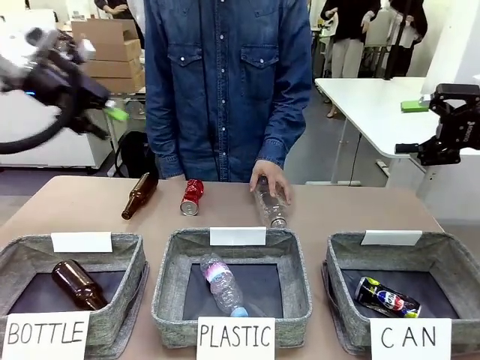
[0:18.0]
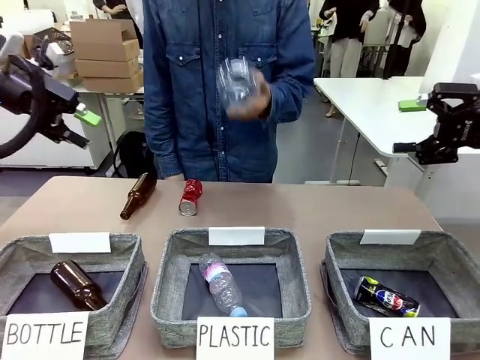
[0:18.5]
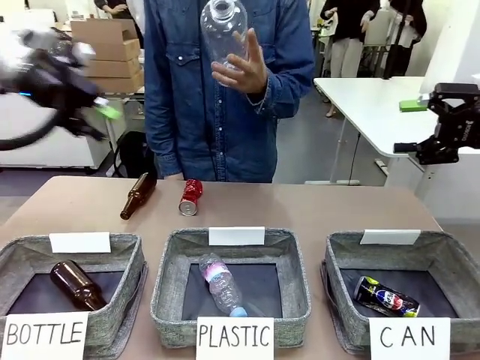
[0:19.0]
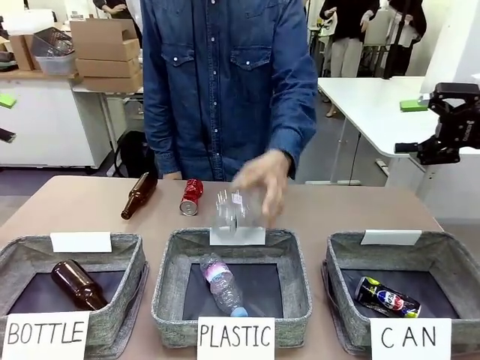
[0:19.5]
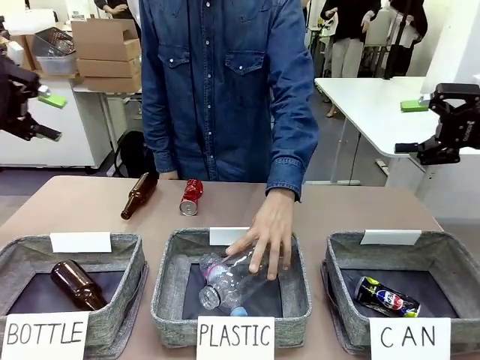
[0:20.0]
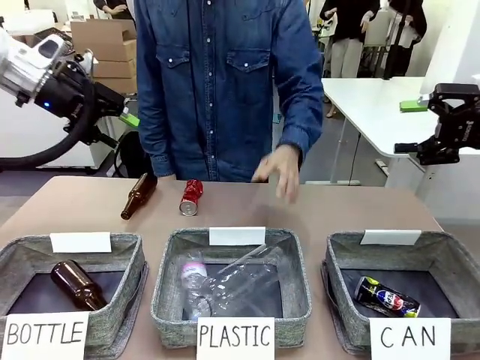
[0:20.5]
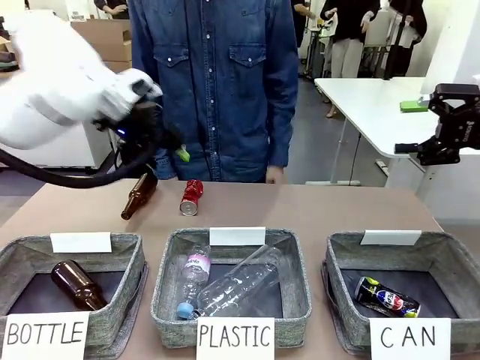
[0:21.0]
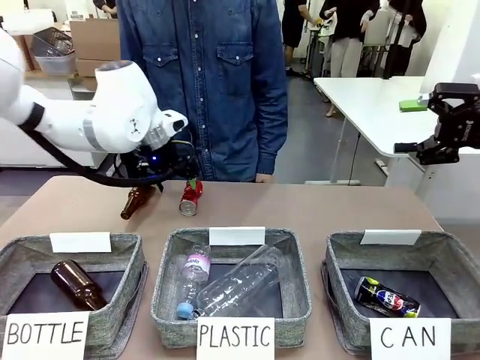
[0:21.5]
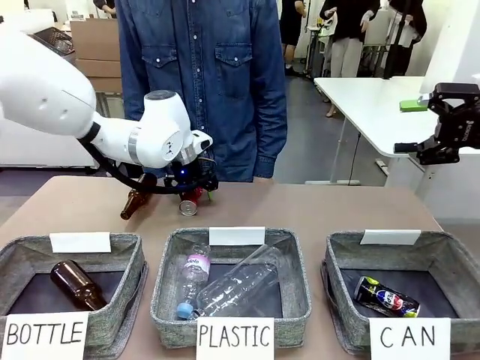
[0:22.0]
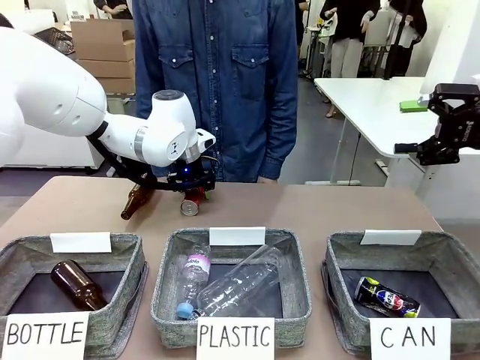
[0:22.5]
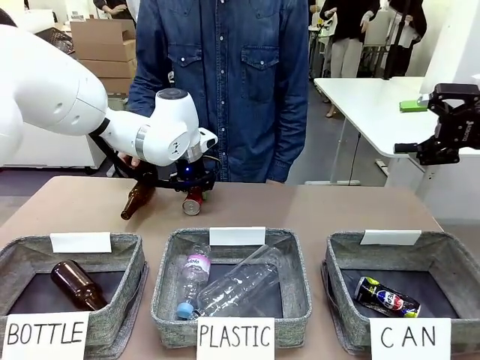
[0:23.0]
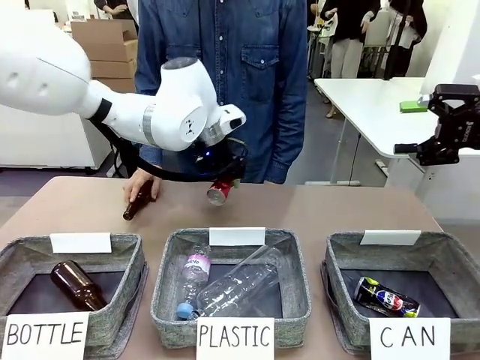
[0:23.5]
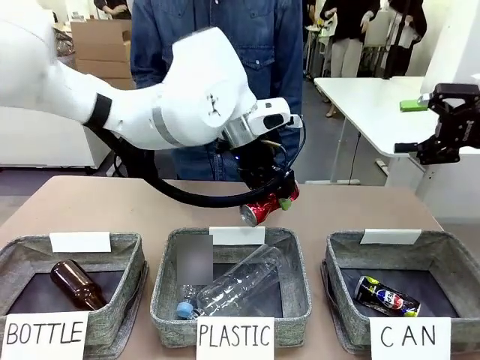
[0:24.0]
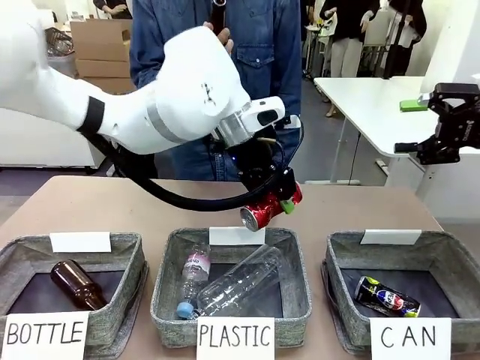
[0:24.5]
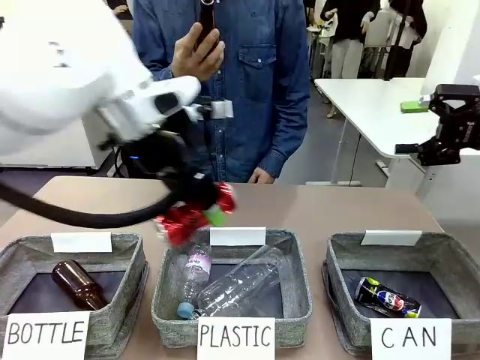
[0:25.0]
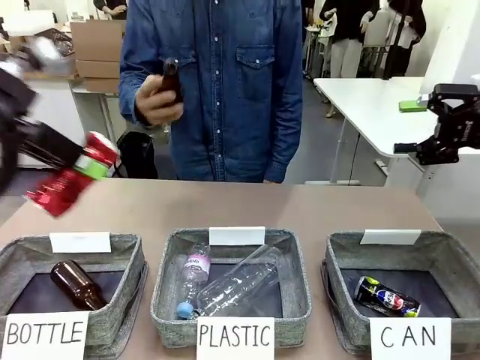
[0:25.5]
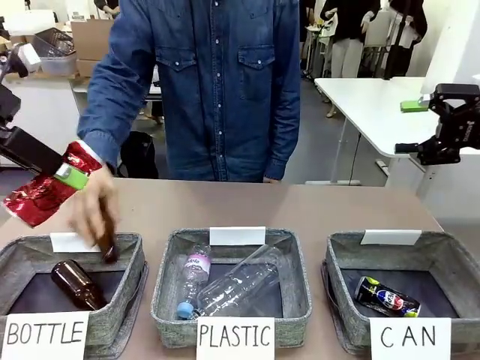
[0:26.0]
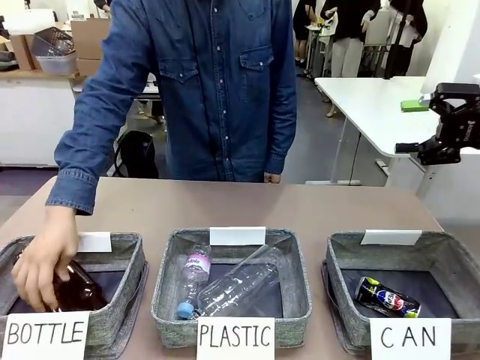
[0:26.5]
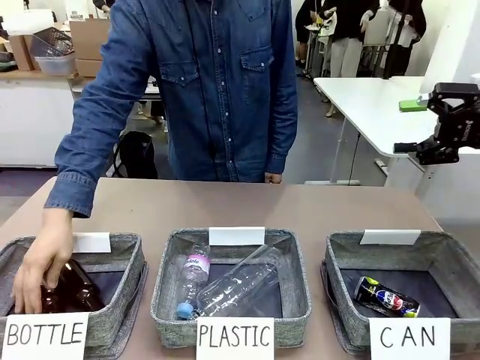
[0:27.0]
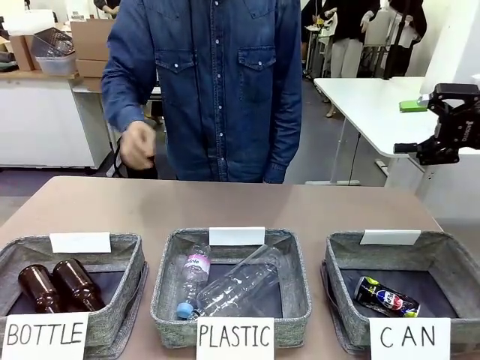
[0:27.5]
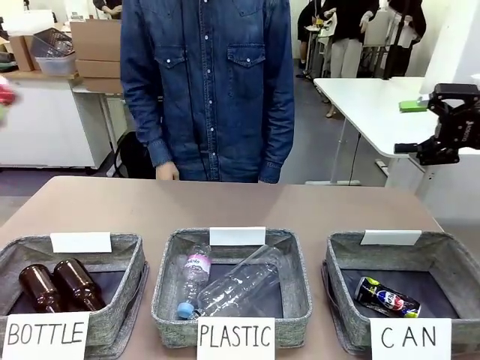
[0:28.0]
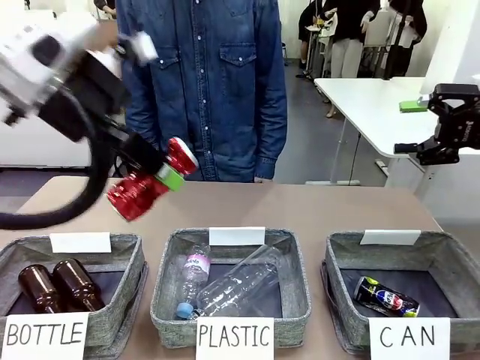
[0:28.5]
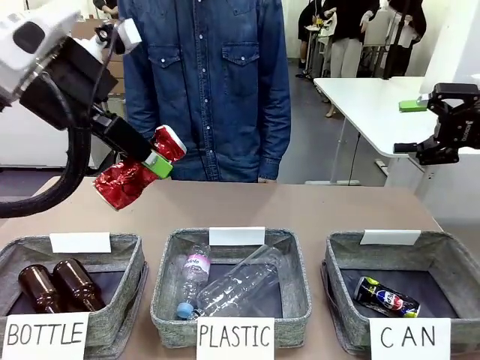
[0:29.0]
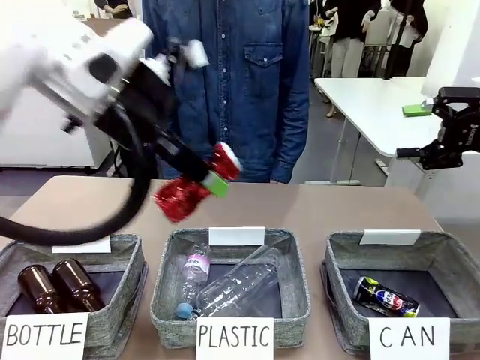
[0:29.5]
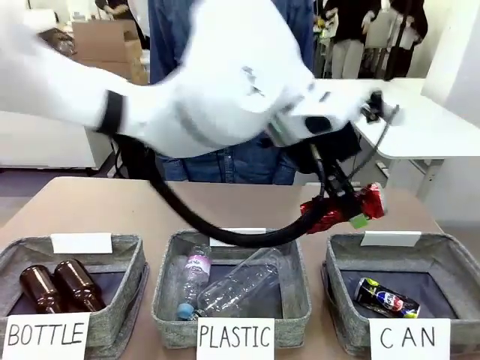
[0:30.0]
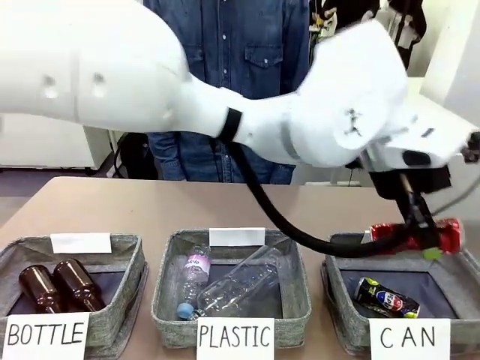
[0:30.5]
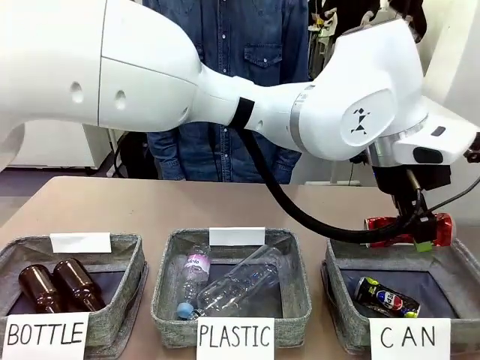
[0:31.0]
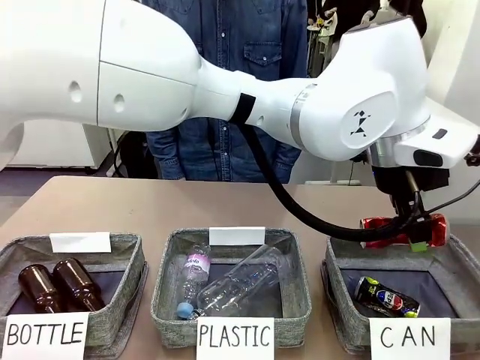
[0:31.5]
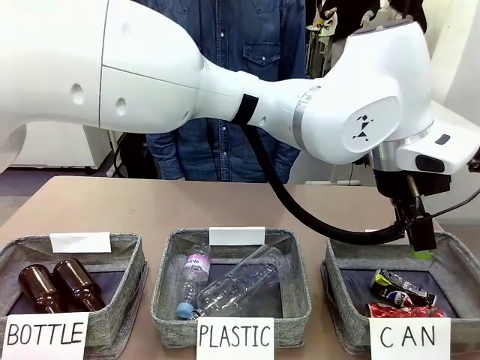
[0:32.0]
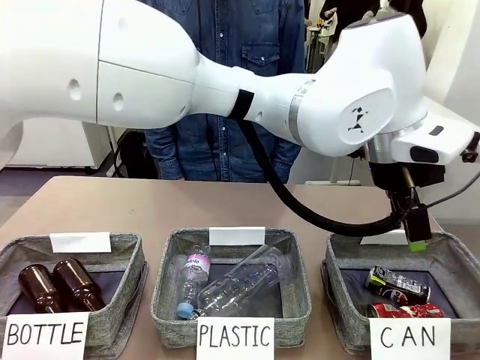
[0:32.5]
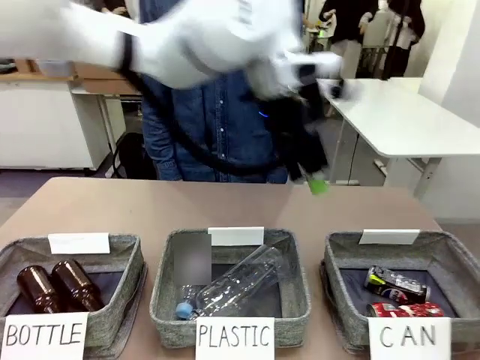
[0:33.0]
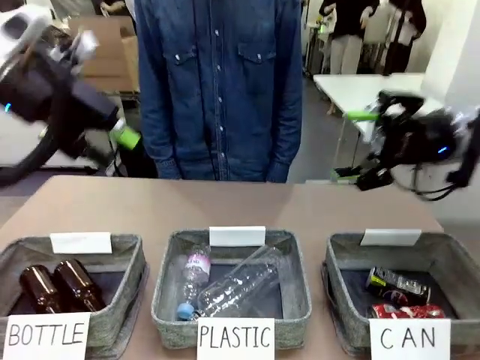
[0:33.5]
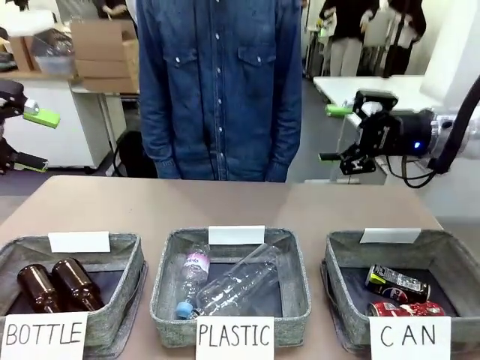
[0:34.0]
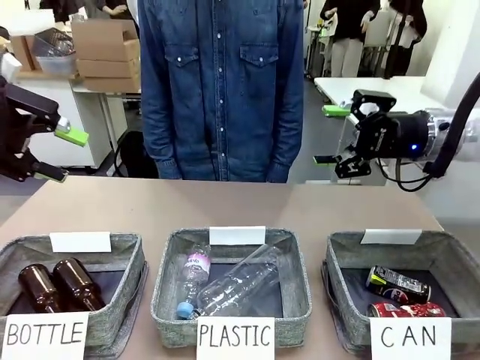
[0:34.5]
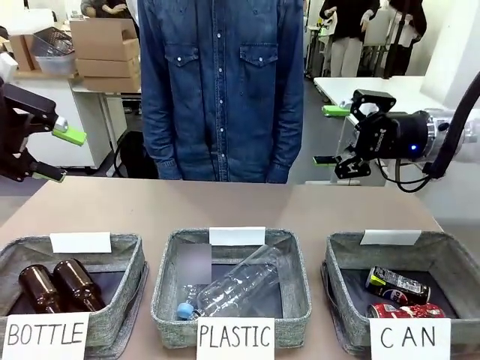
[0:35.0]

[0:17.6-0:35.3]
Task: Sort the can waste into the basket.
Robot: Pick up the can waste from the table and place it in the right Fabric basket.
Person: The human picks up one piece of trash that is not a can and places the trash into the appropriate organizing basket.

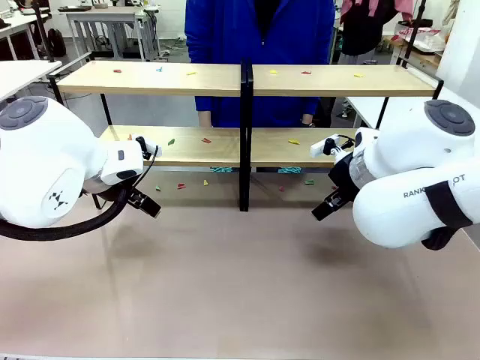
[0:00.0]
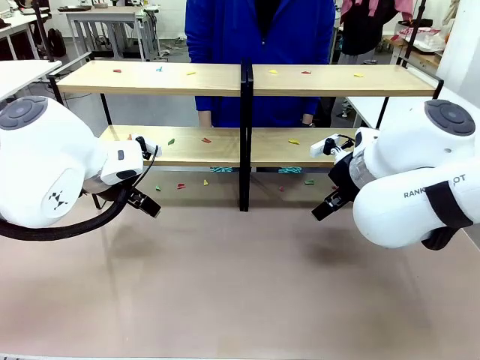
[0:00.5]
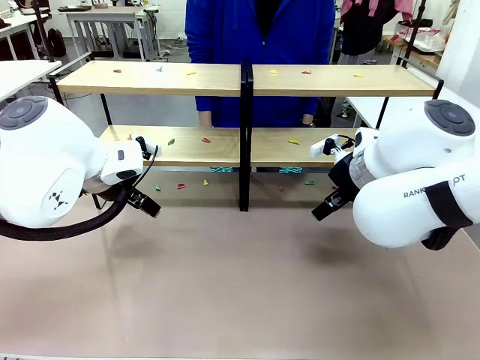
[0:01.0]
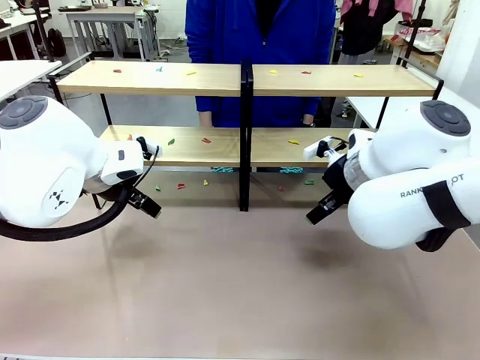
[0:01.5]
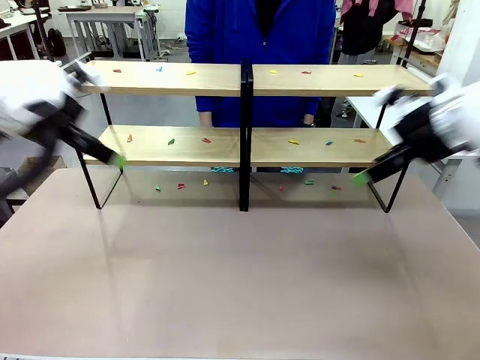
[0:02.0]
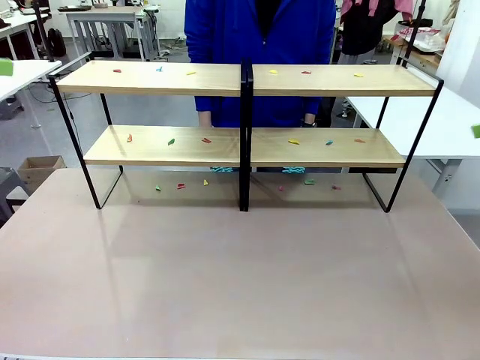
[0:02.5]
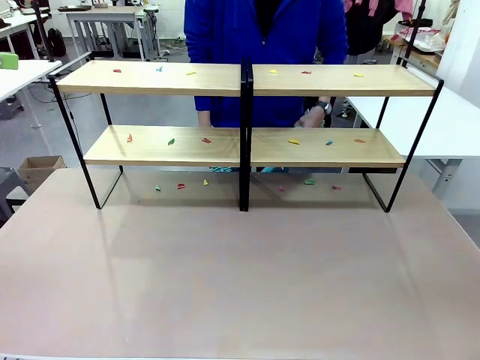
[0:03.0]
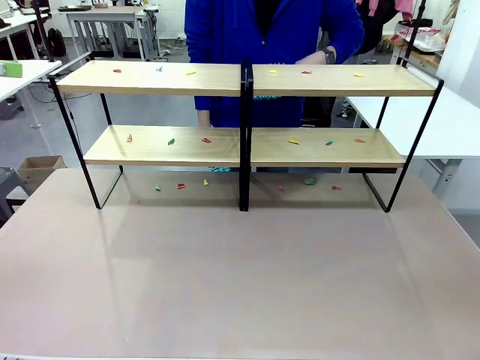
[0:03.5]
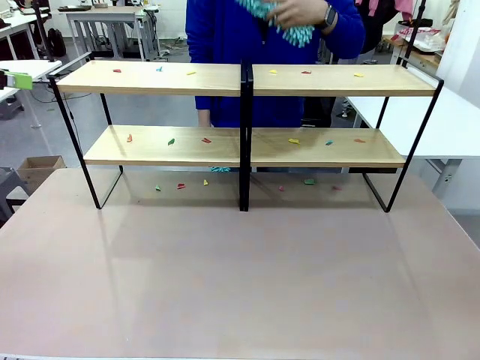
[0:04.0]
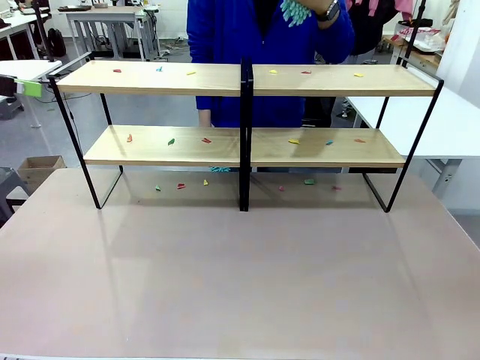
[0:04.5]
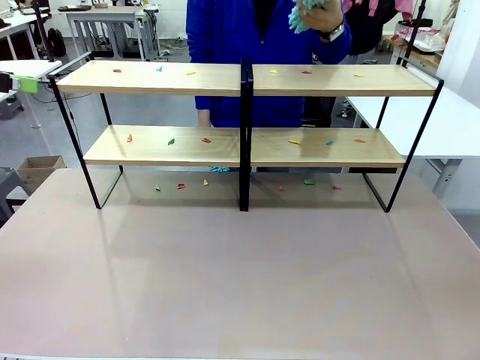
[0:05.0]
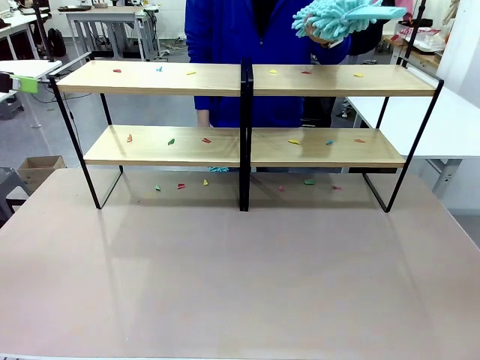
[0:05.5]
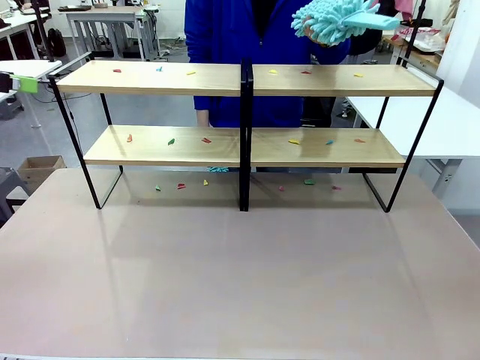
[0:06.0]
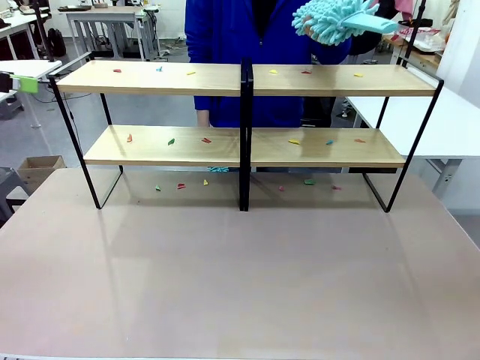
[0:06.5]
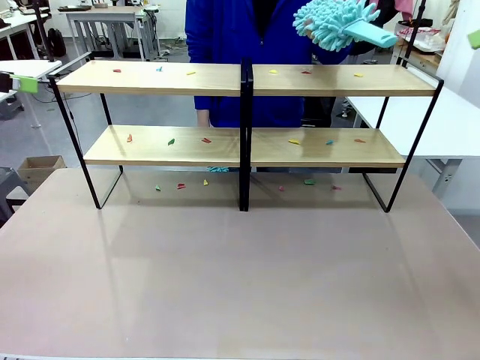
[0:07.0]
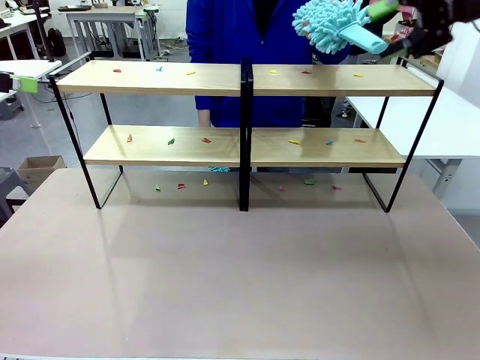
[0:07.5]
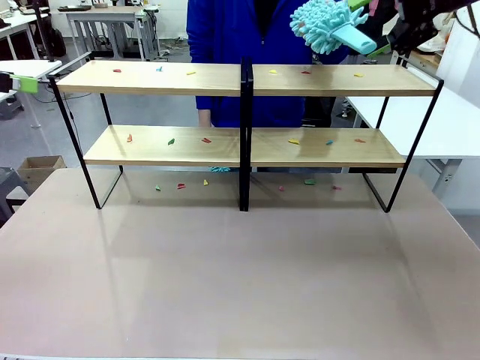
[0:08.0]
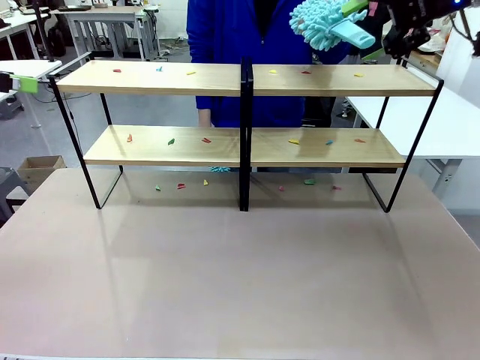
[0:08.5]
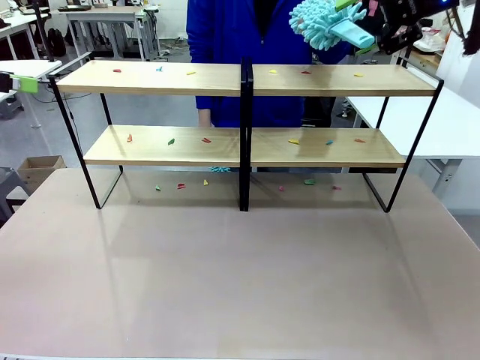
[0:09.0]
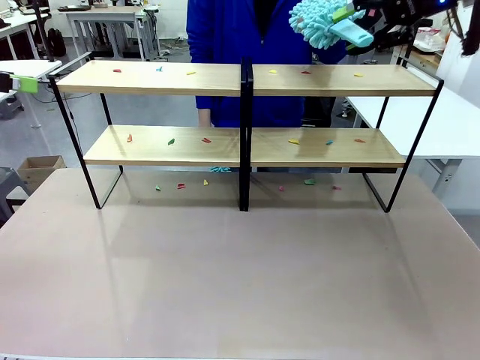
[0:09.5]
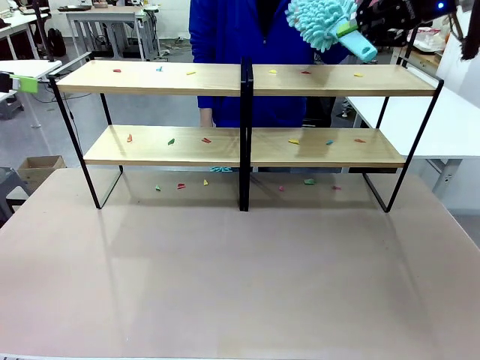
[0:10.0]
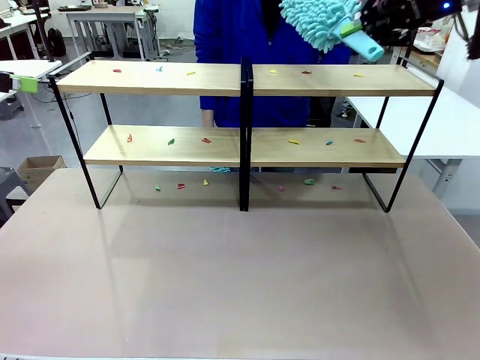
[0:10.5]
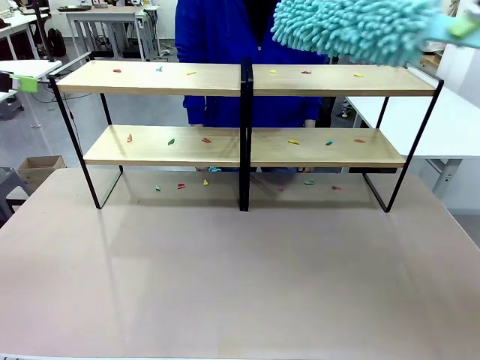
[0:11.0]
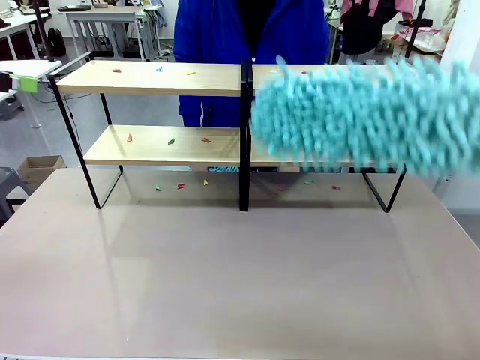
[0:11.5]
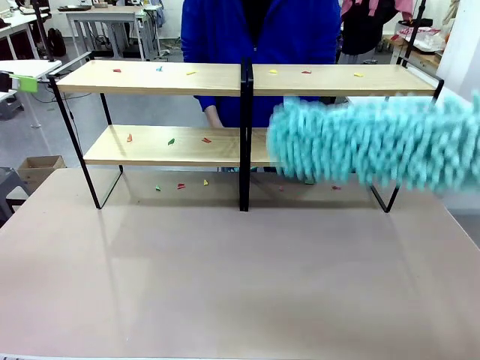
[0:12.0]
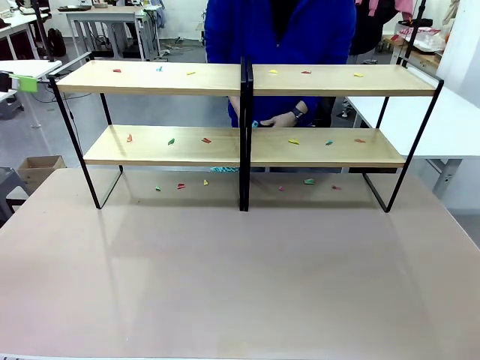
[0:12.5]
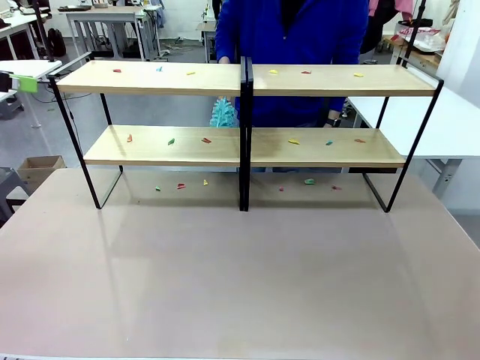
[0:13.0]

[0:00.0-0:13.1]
Task: Clean the shelves.
Robot: Pick up the Duster when the human hands it over.
Person: Hand the Duster to the robot with your right (or left) hand.
